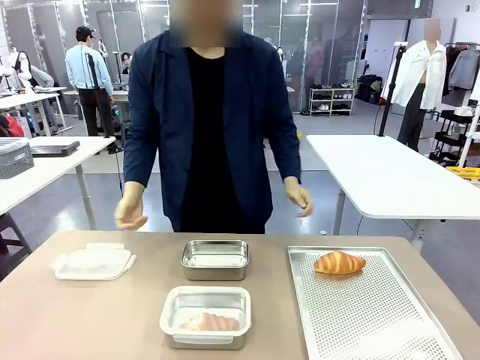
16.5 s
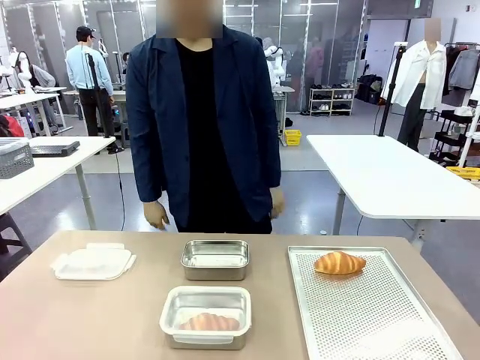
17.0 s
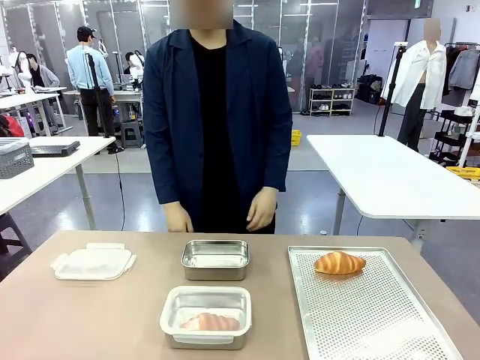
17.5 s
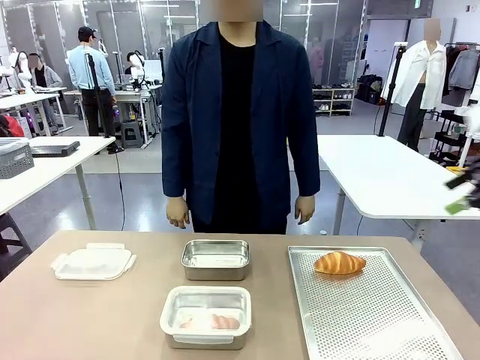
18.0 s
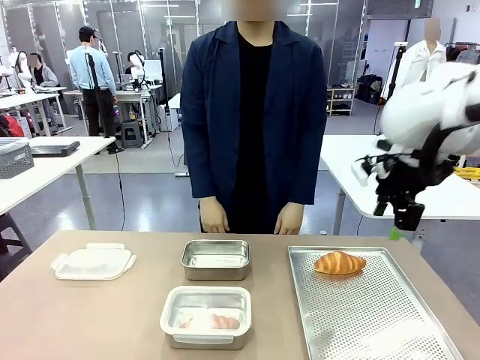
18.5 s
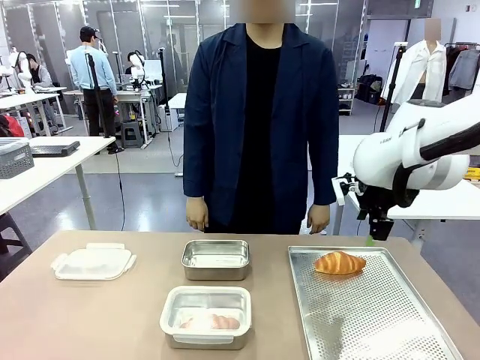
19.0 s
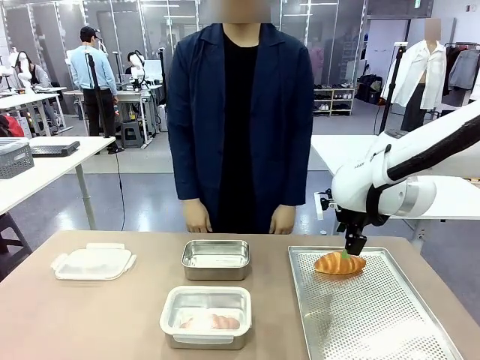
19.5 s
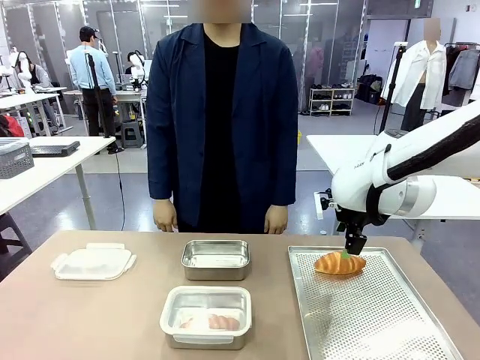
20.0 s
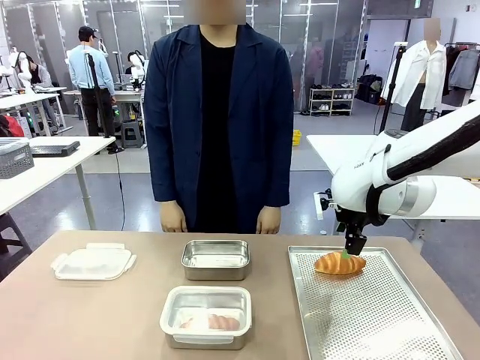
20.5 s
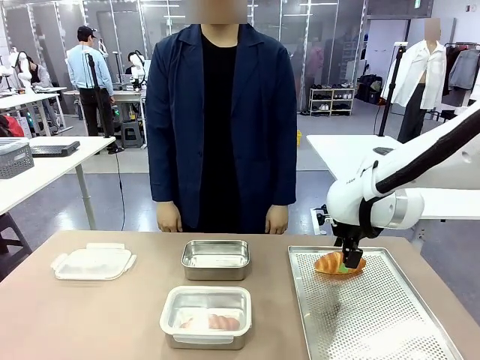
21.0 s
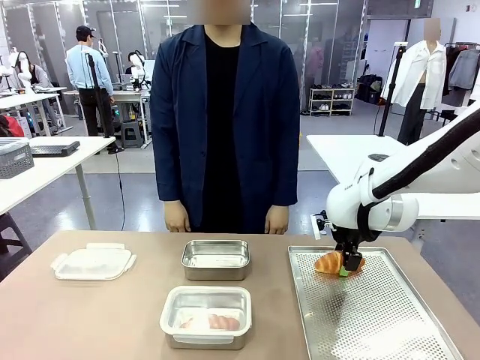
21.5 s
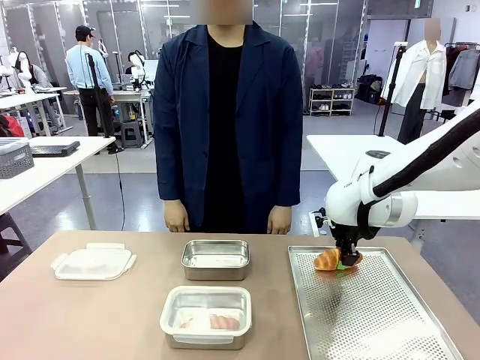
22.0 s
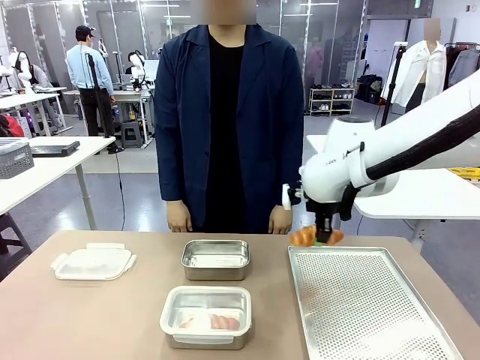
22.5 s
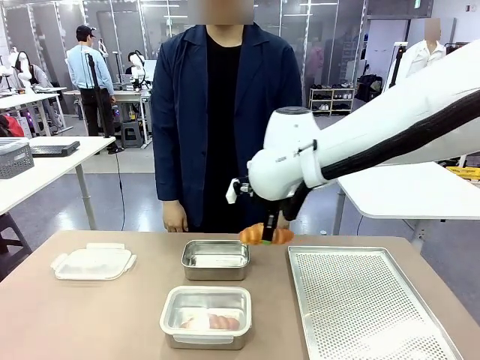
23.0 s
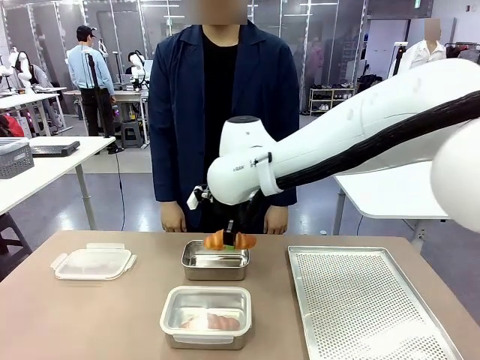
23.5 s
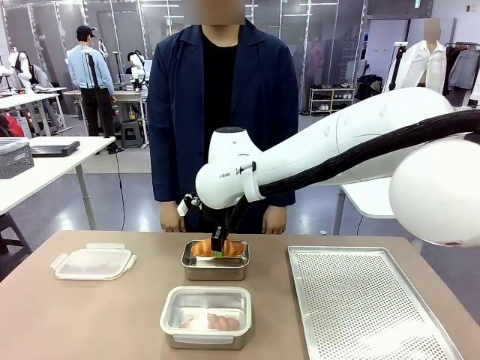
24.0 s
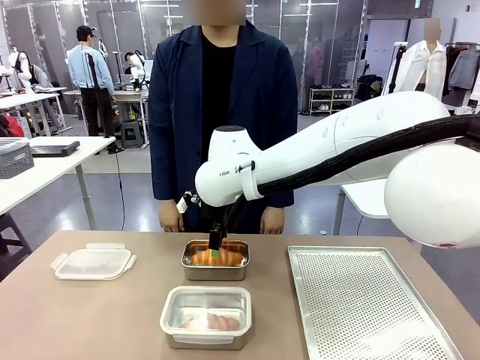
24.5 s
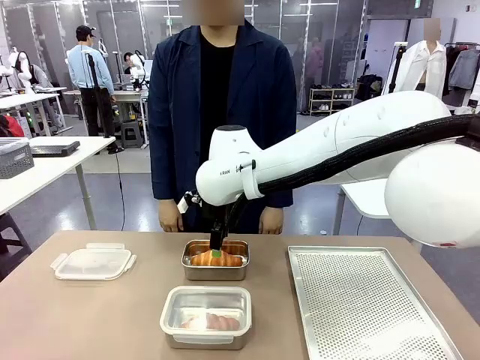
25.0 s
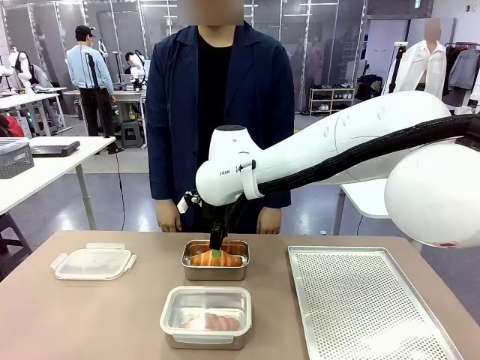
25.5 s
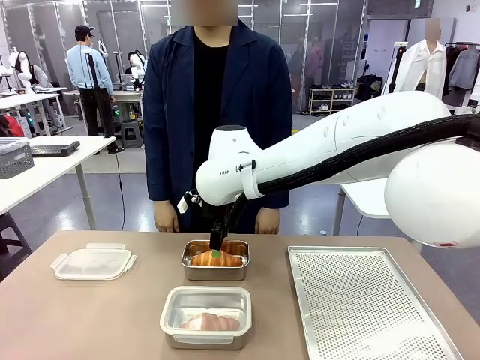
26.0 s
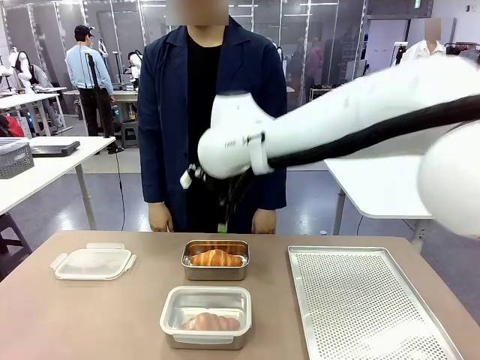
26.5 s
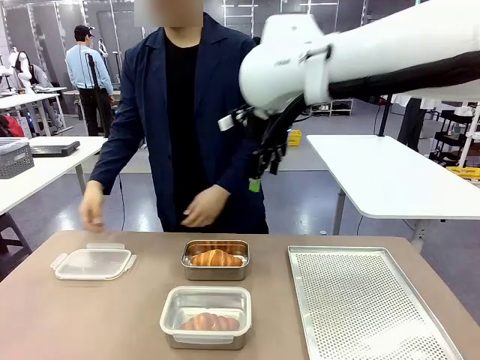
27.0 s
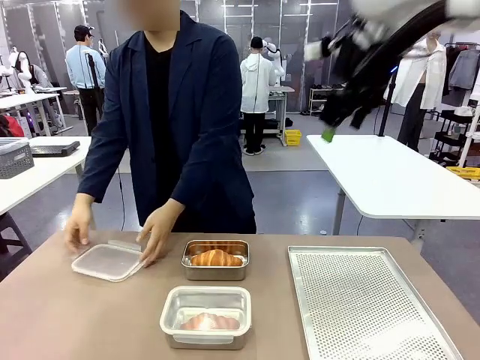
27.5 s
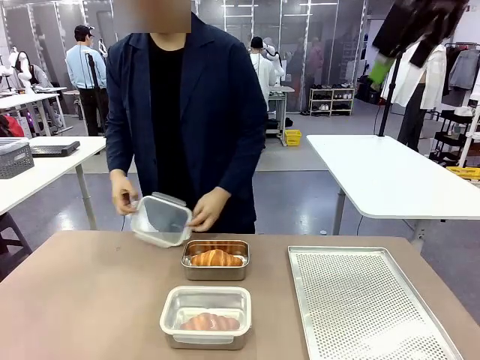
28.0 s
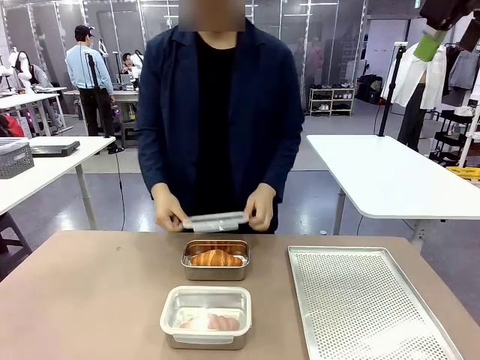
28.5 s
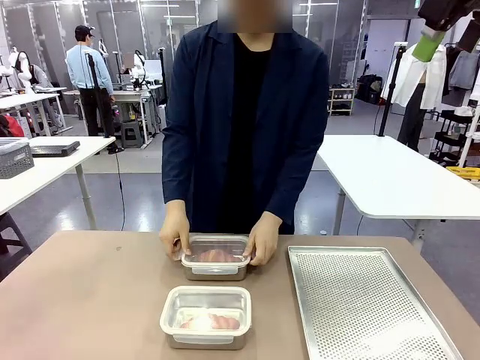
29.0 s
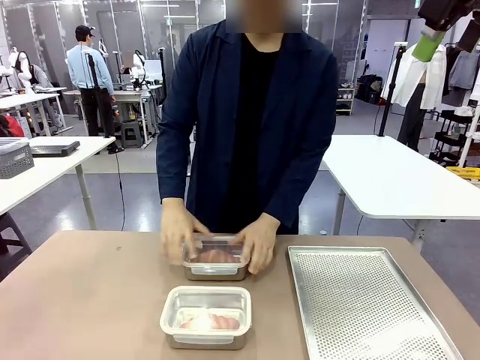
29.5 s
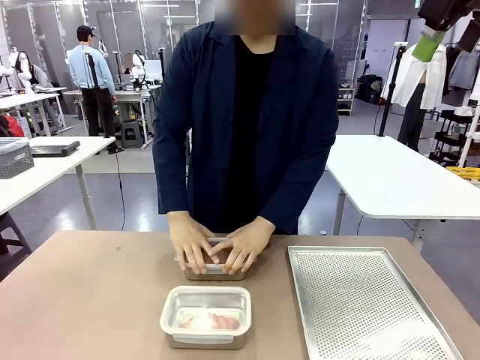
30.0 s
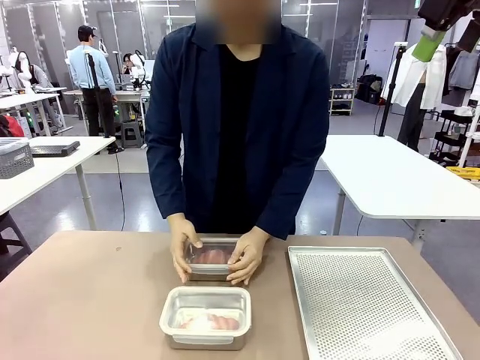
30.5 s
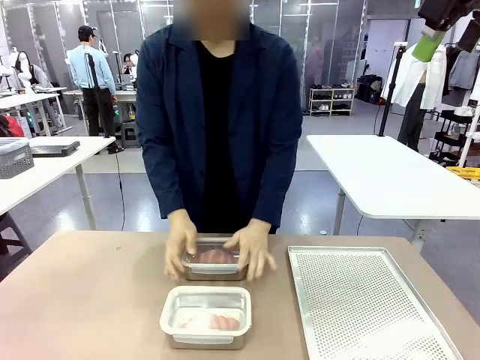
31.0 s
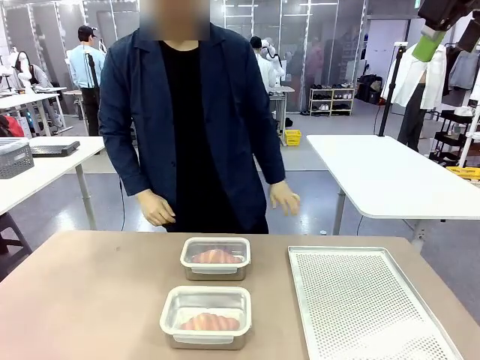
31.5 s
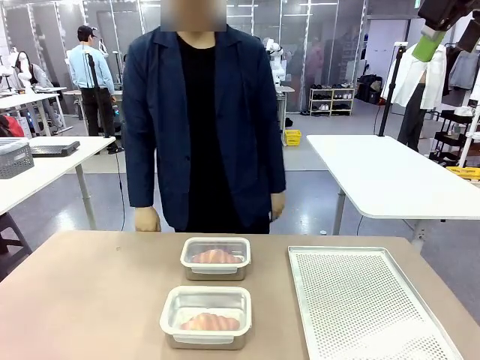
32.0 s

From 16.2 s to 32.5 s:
Task: Place the bread into the airtight container.
Robot: Pick up a Butter Roll and place it into an empty Airtight Container.
Person: Once a Butter Roll is inside an Airtight Container , close the lid of that Airtight Container.

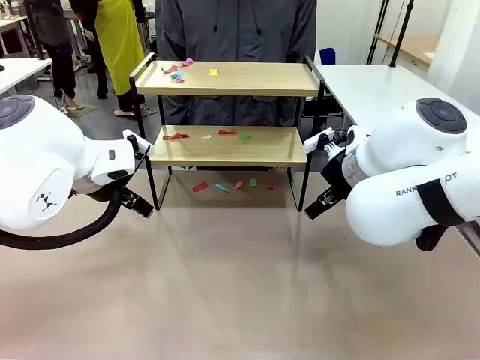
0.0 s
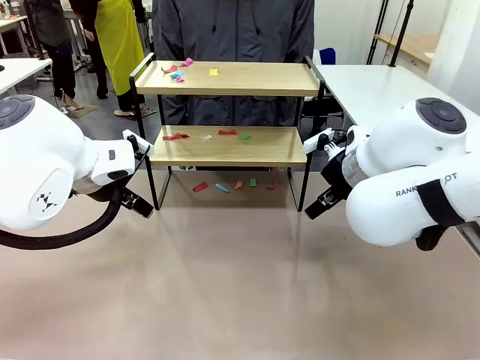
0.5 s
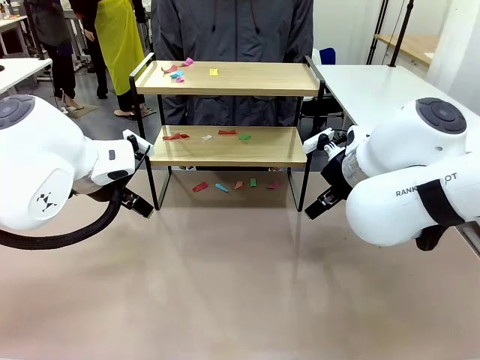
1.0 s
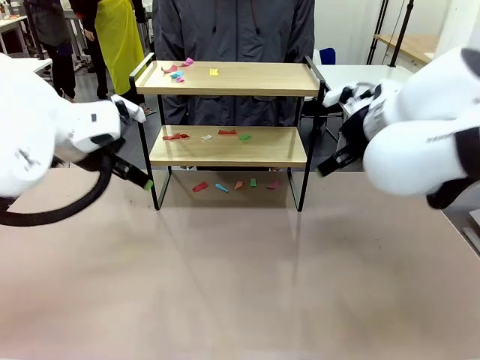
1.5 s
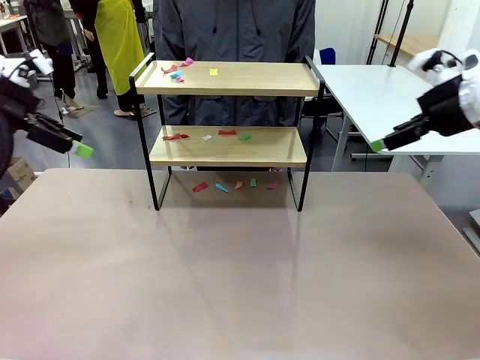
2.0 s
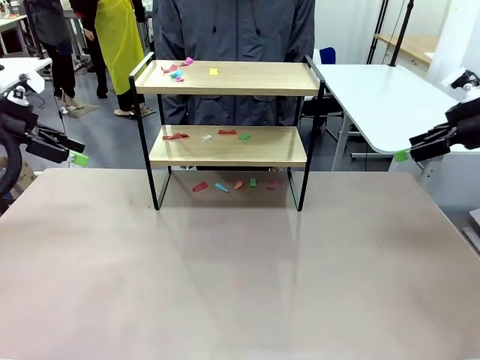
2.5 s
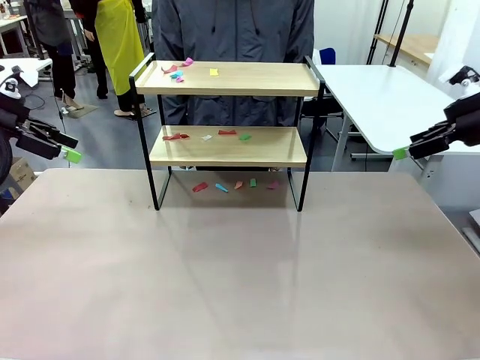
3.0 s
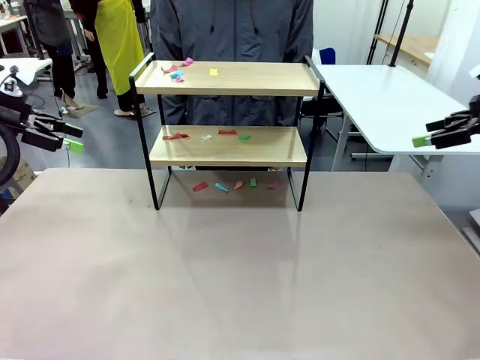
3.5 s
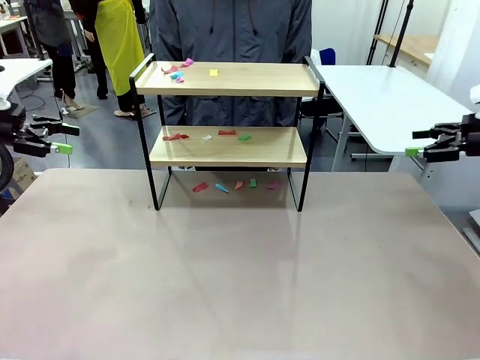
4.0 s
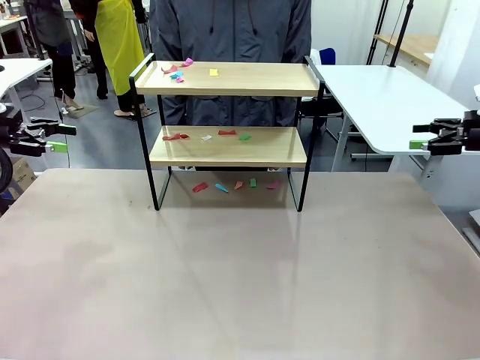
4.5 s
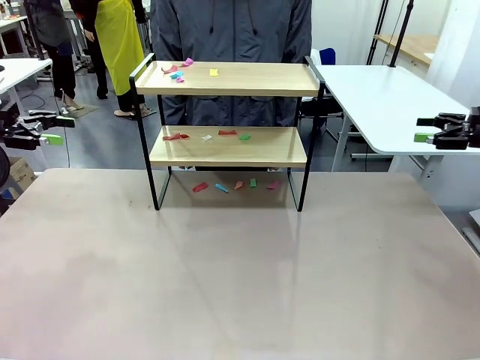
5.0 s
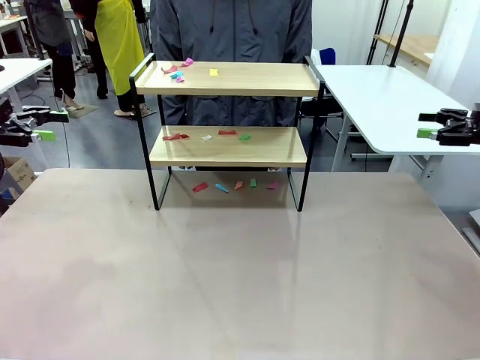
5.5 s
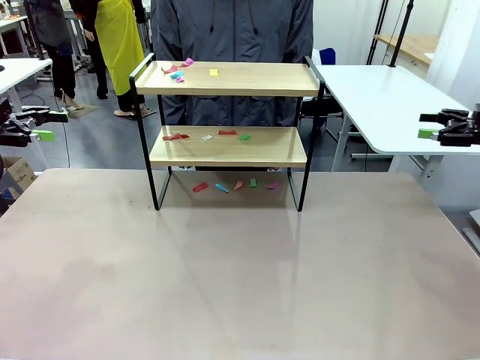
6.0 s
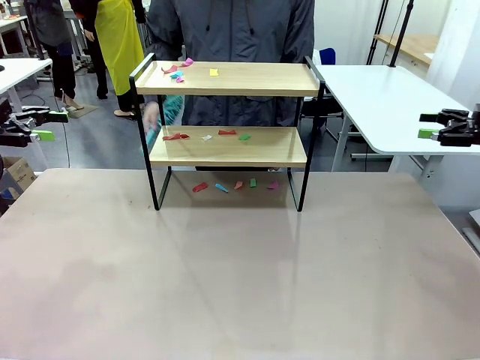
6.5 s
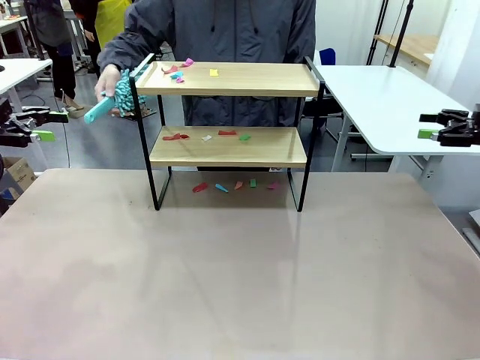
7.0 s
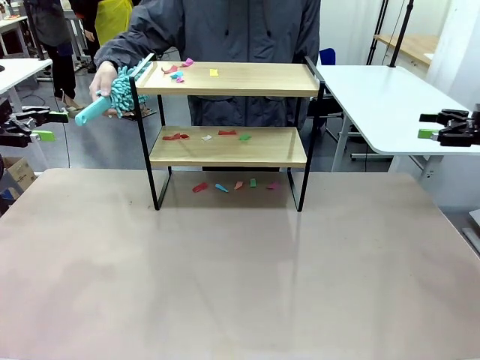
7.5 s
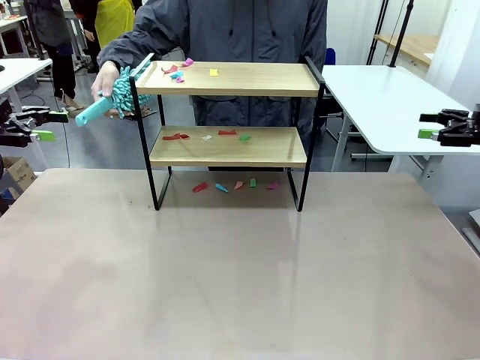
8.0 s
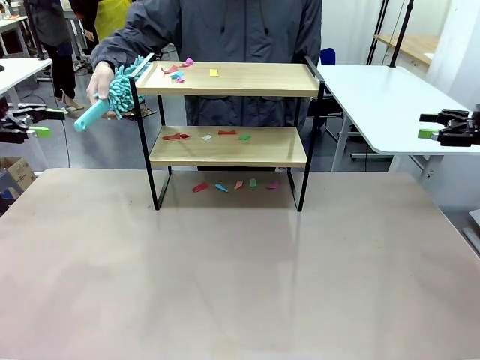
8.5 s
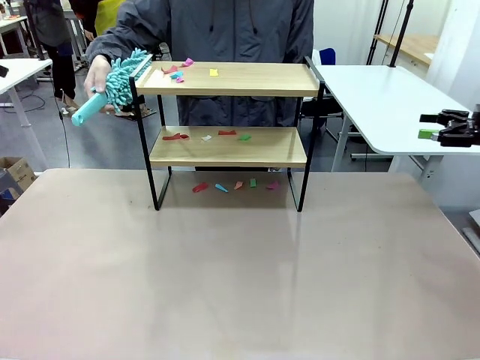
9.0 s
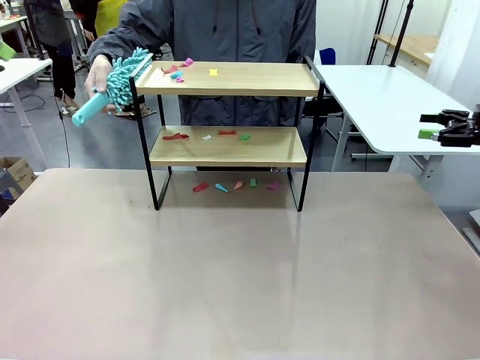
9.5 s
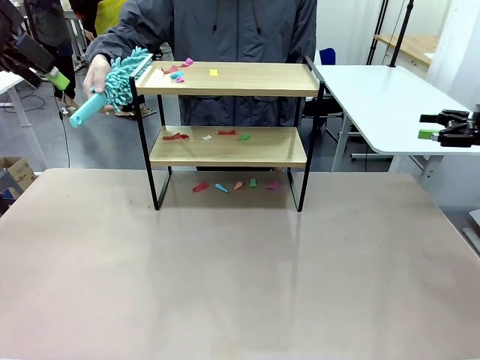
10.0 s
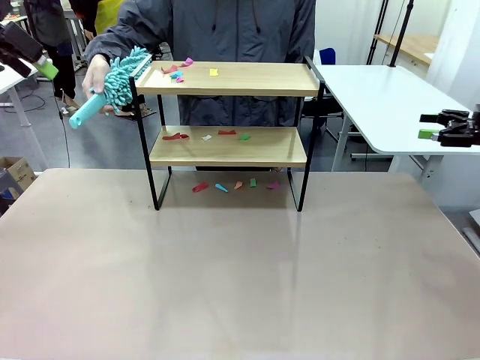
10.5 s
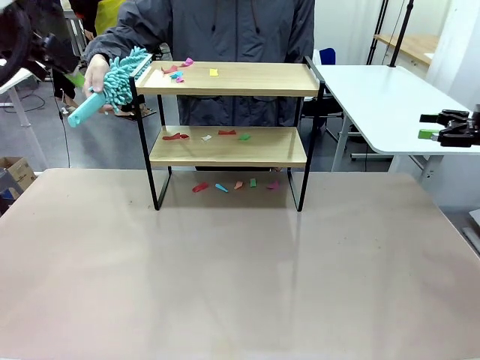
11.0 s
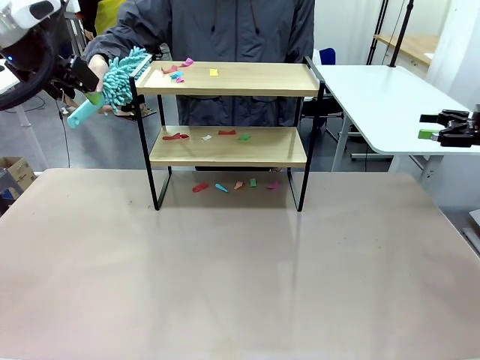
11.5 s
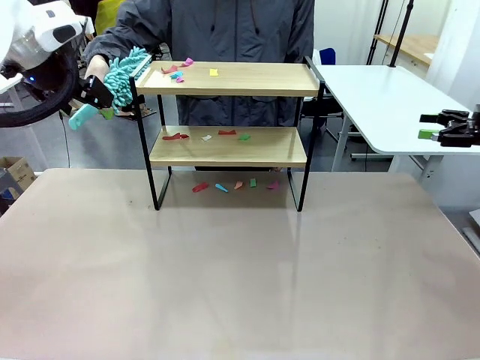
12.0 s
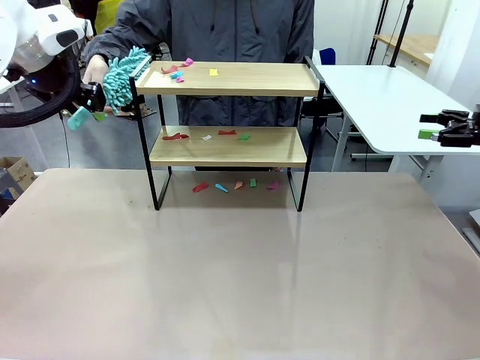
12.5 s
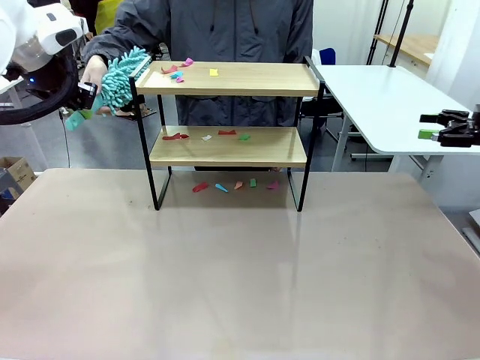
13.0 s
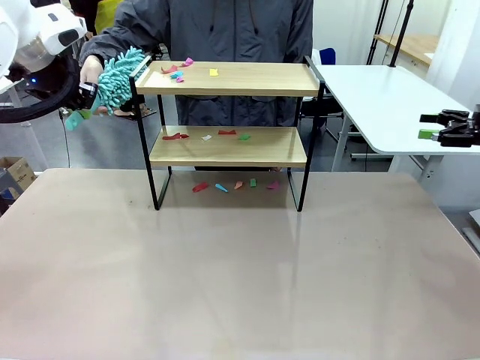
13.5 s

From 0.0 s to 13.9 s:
Task: Clean the shelf.
Robot: Pick up the Duster handed by the human.
Person: Hand the Duster to the robot.
